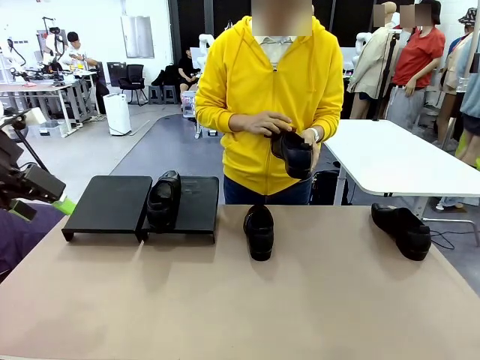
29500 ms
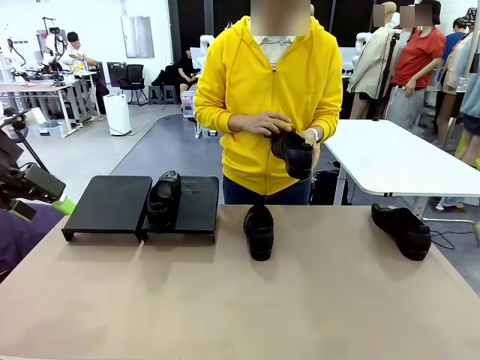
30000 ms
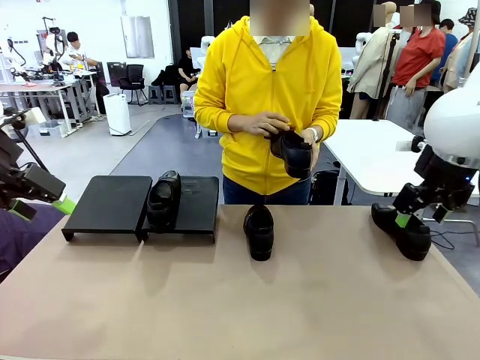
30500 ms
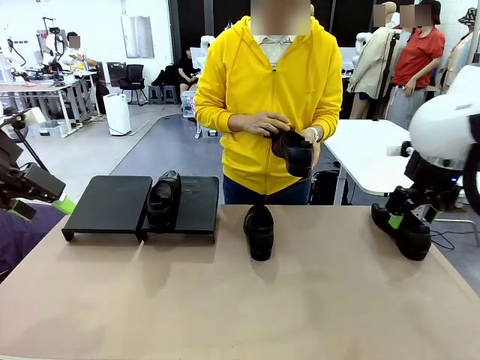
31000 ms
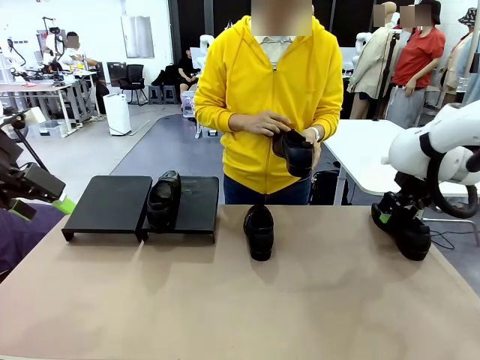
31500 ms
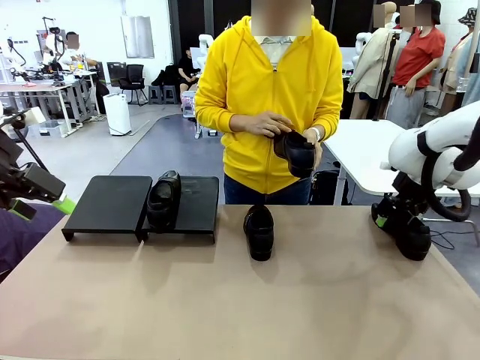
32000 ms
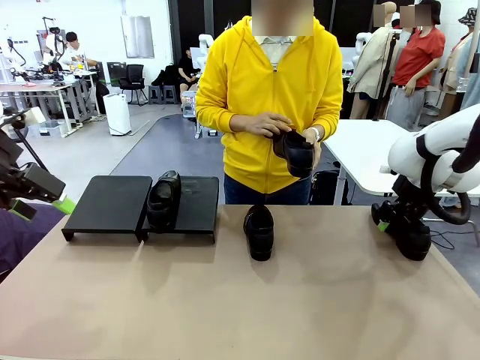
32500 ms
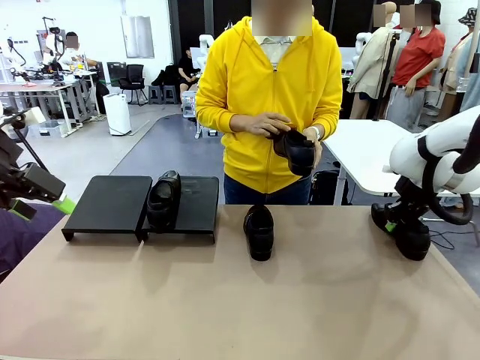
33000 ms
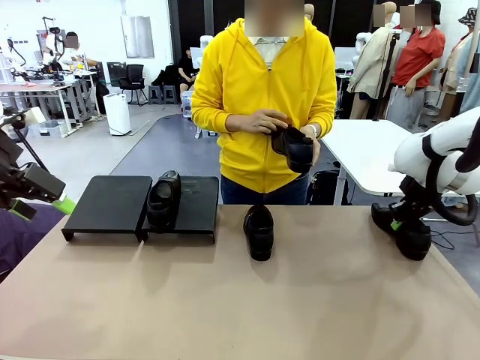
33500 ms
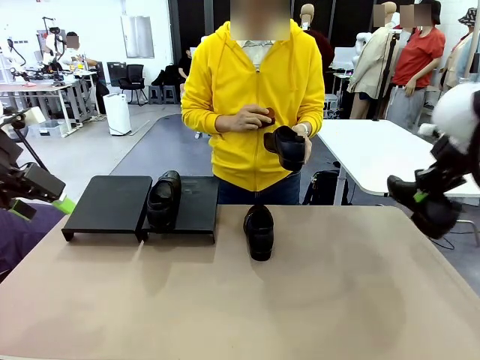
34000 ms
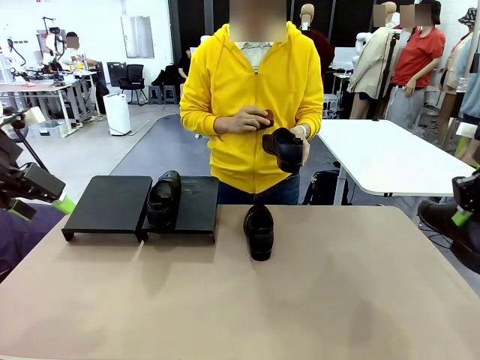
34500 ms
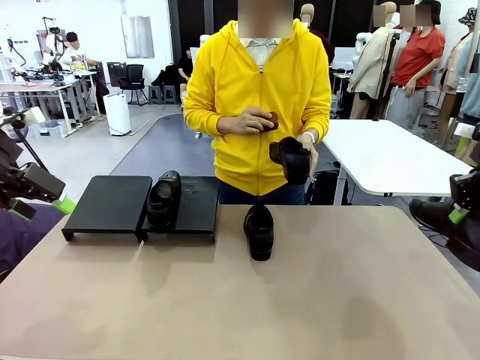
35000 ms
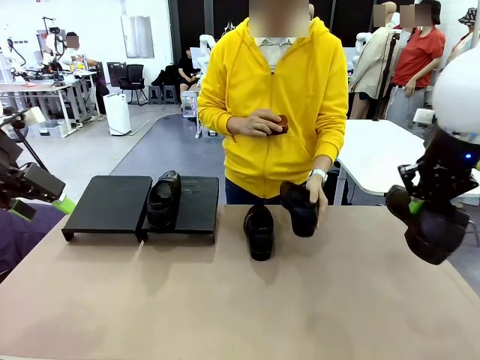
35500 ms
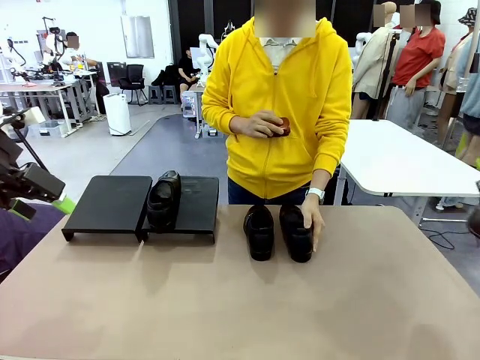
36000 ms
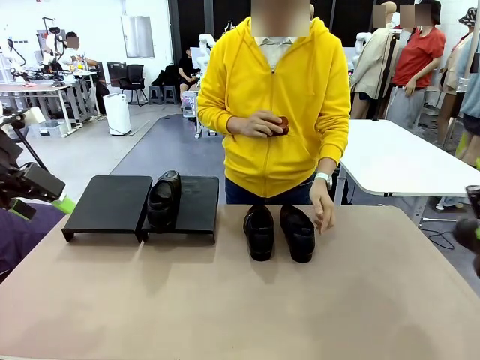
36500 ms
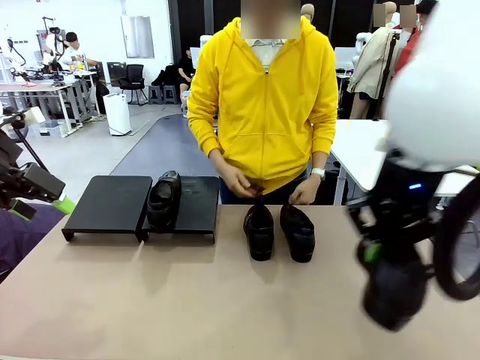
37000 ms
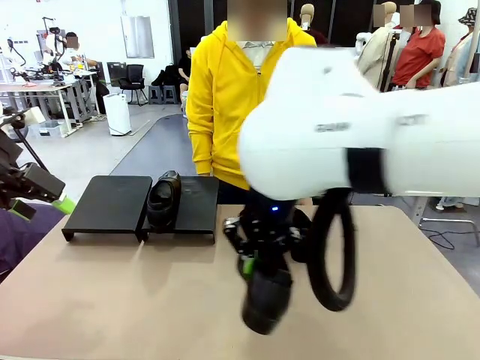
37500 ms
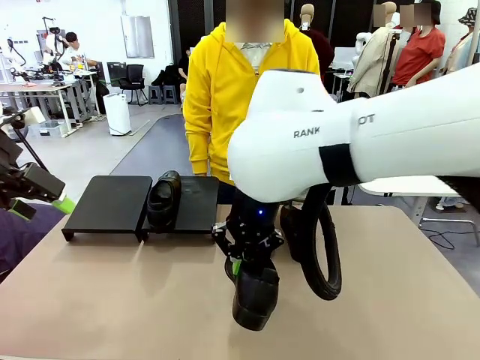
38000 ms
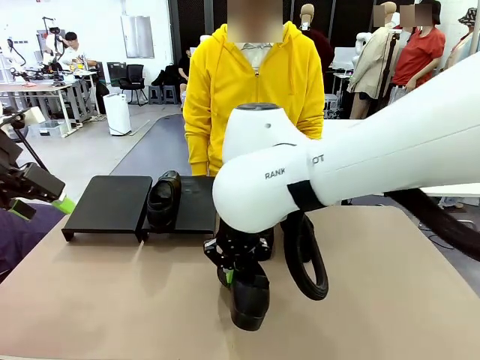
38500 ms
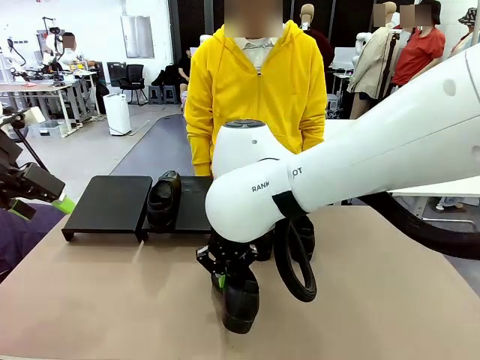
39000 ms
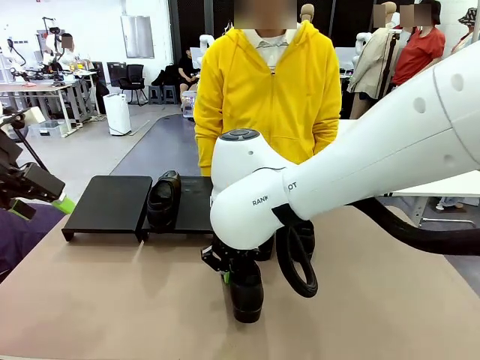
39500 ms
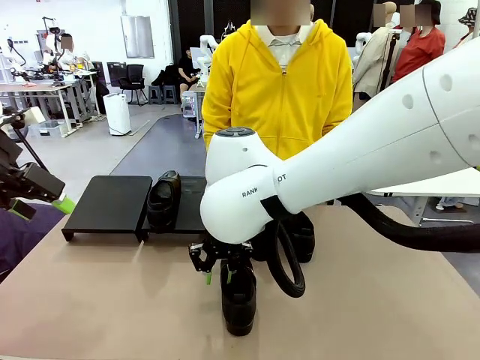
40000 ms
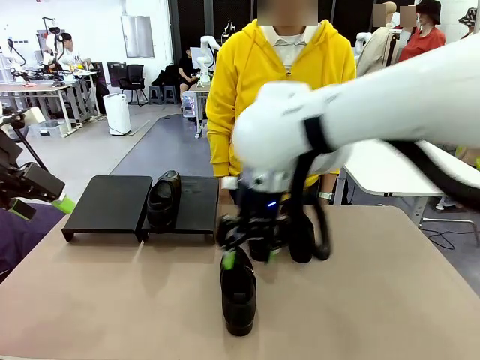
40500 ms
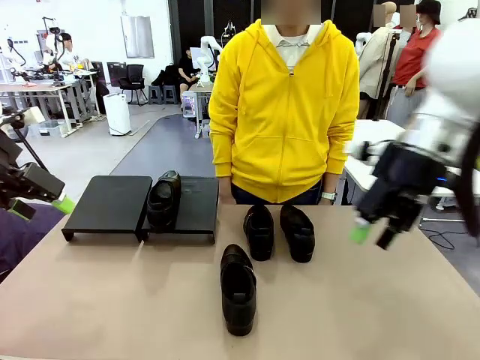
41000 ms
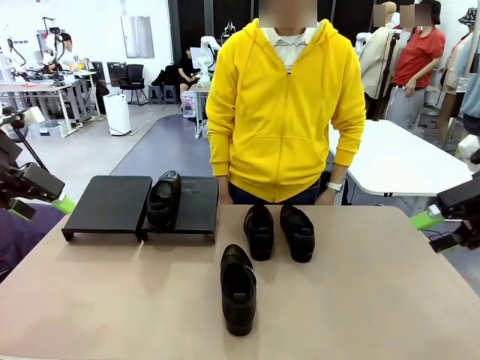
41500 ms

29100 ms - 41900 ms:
Task: Organize the shoes by placing them on the stand.
Robot: Pick up one Shoe and place it in the middle of the table.

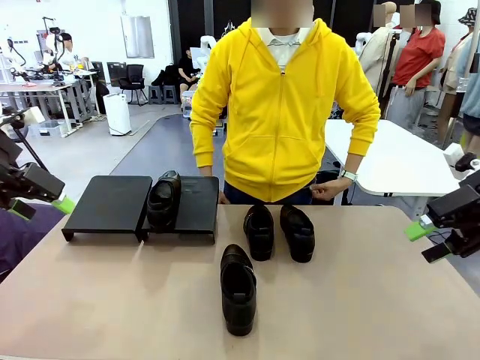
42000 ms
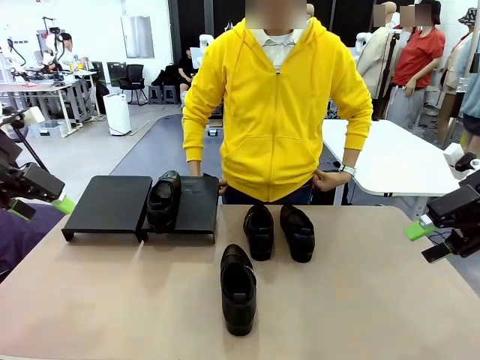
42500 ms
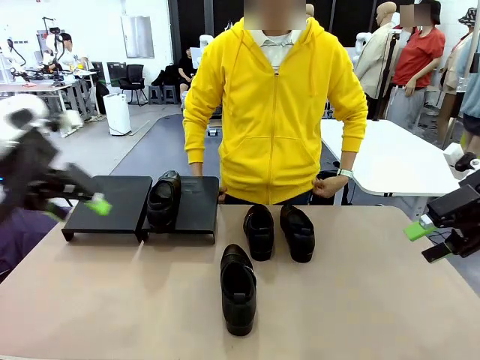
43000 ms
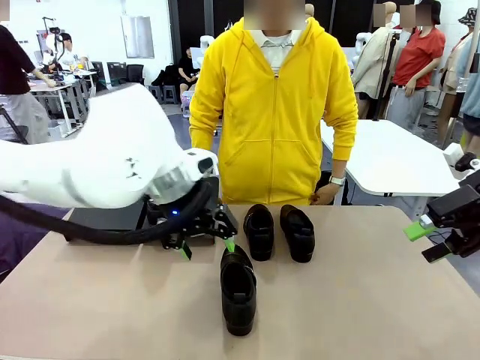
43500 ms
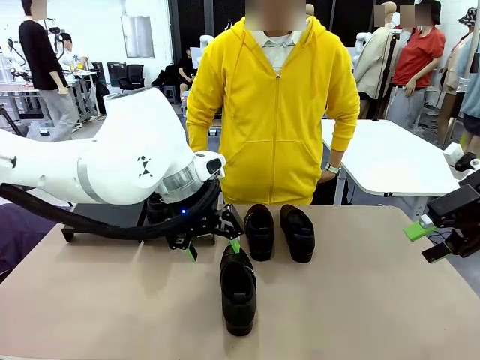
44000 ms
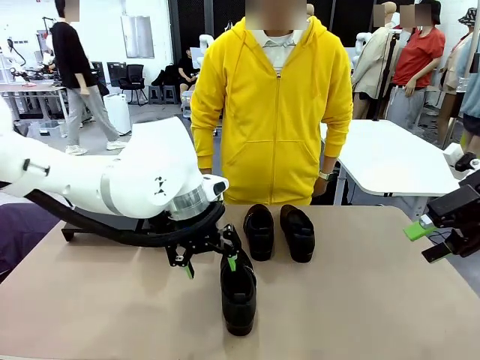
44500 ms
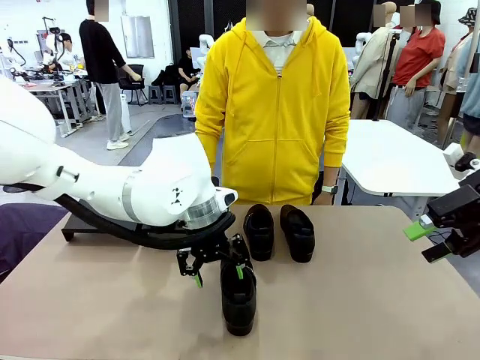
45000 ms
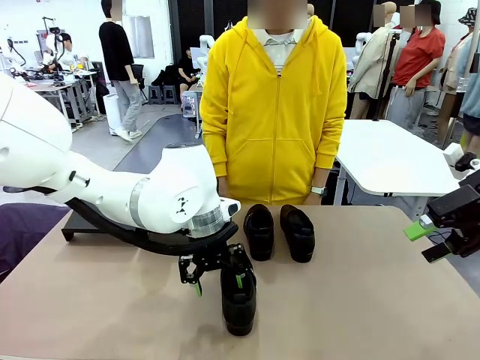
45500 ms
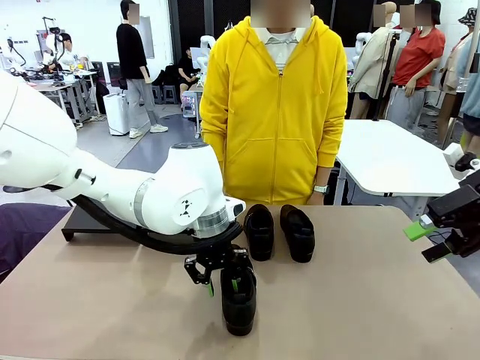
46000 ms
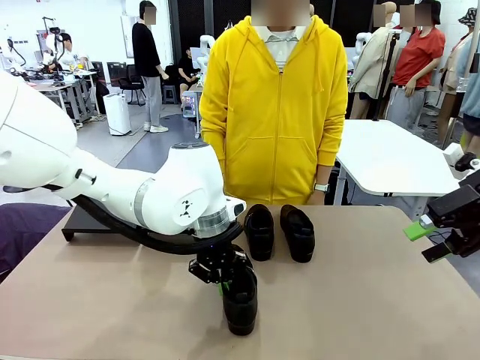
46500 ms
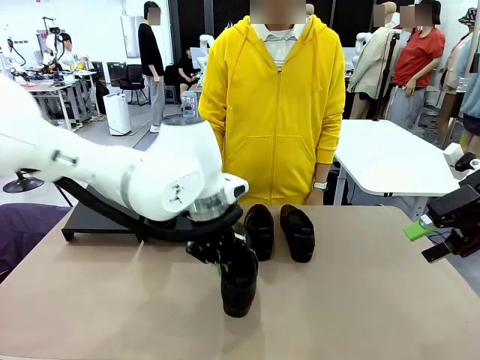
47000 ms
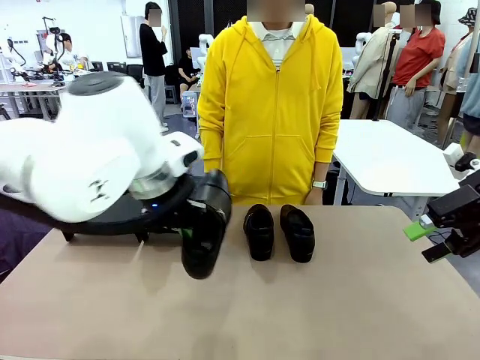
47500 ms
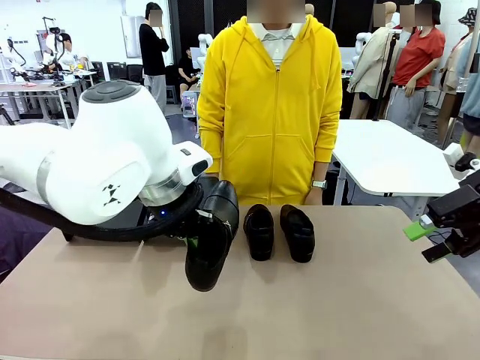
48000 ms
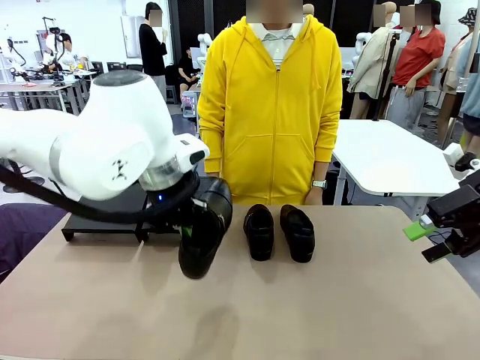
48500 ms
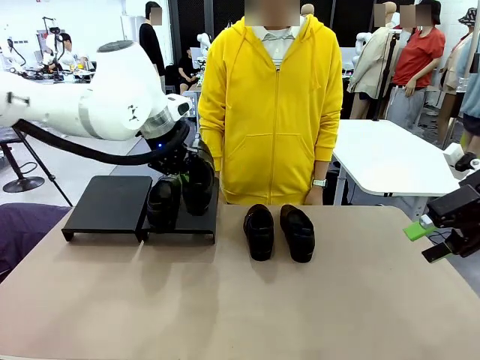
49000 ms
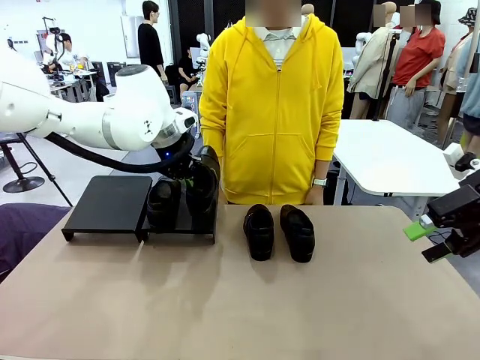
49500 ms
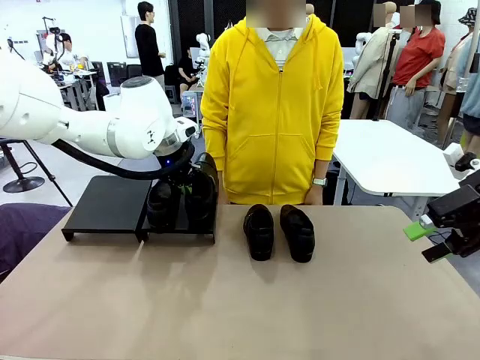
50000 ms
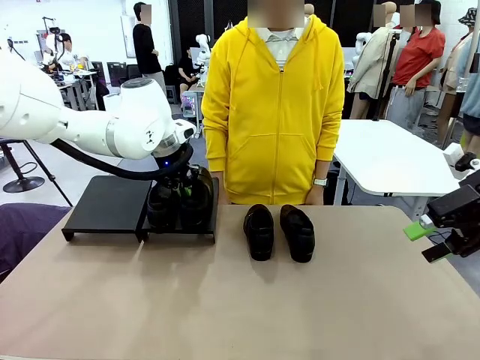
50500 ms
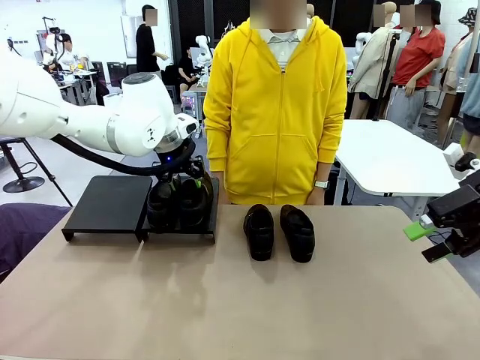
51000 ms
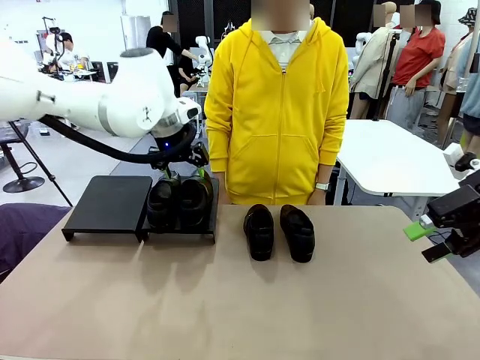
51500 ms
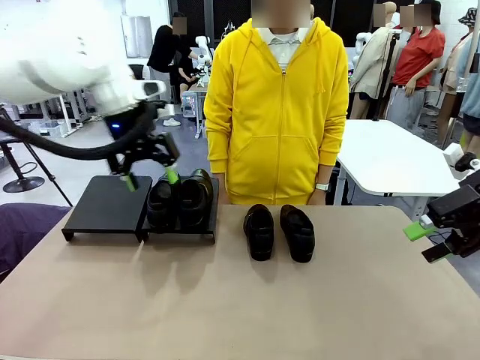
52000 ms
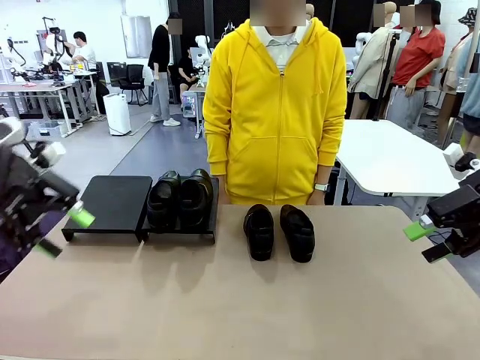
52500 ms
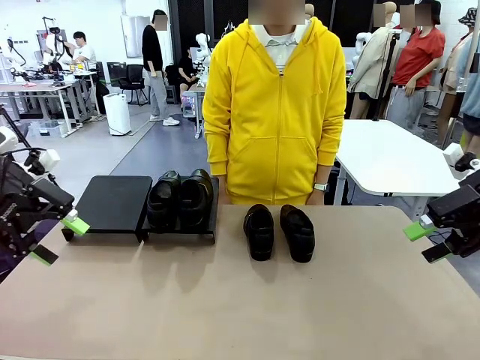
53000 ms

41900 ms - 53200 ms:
Robot: Place the Shoe from the middle of the table onto the Shoes Stand.
